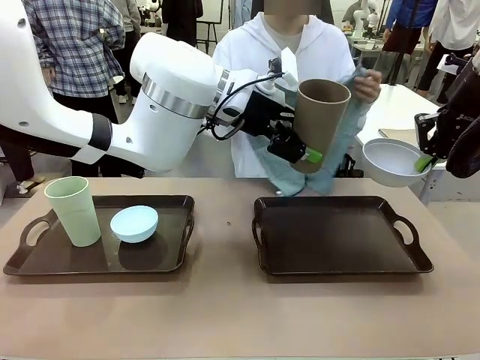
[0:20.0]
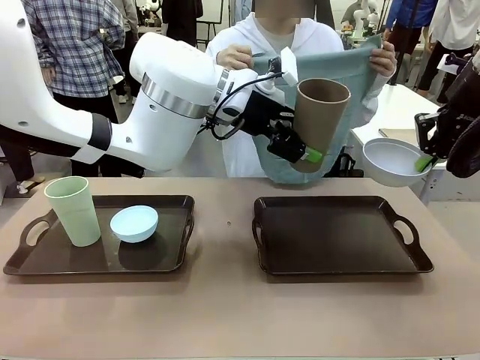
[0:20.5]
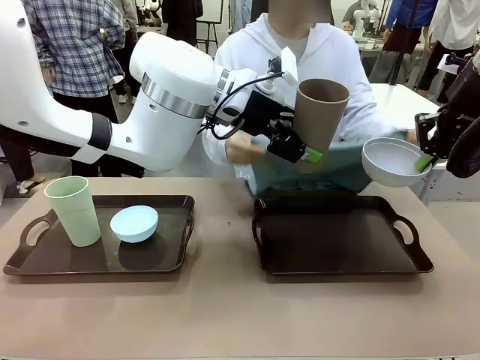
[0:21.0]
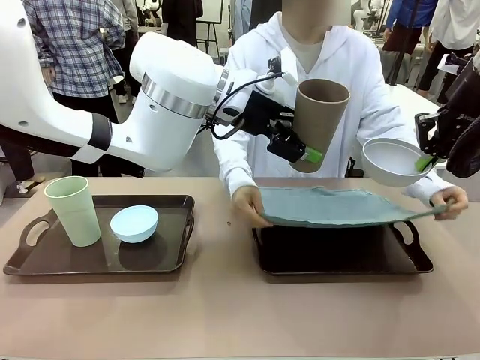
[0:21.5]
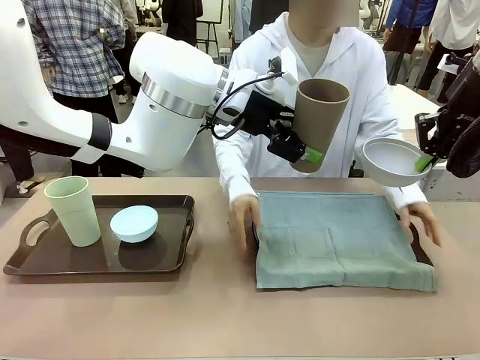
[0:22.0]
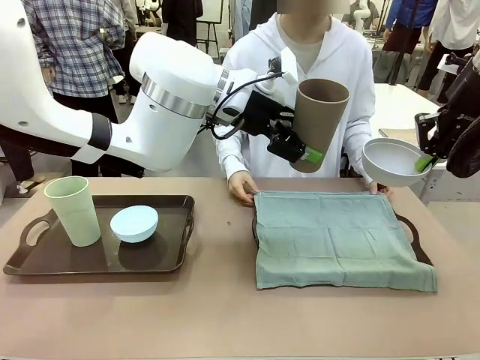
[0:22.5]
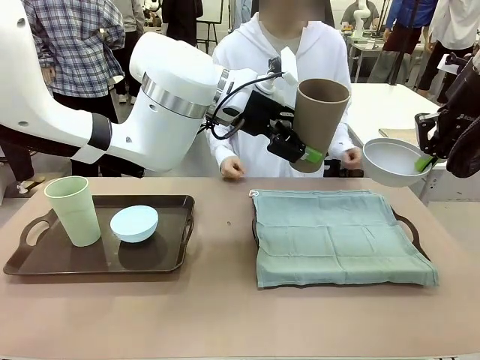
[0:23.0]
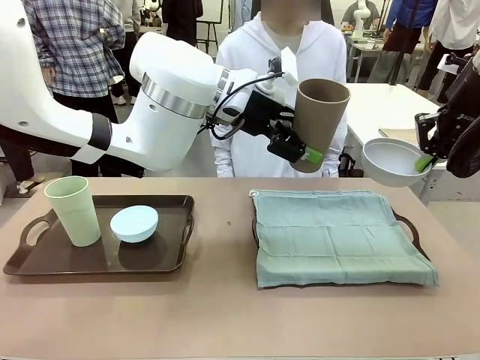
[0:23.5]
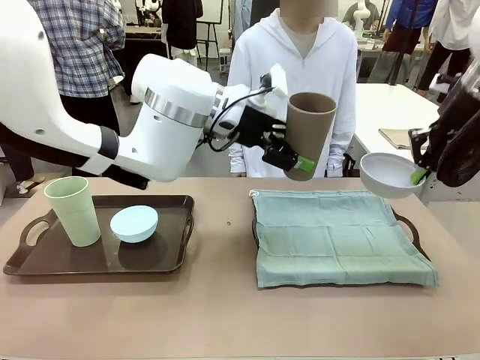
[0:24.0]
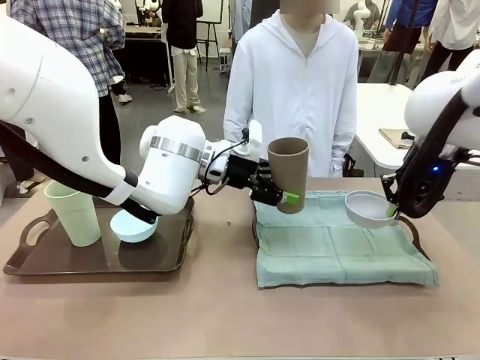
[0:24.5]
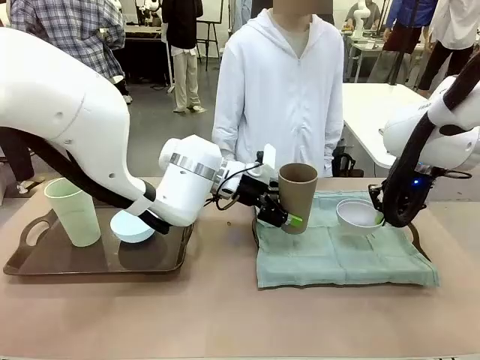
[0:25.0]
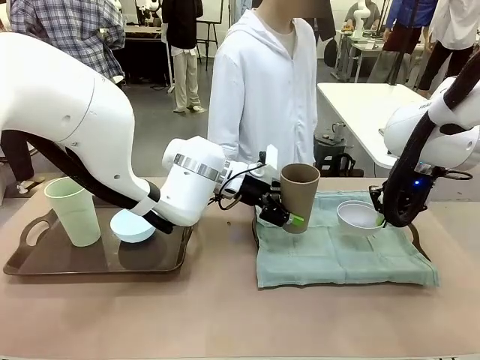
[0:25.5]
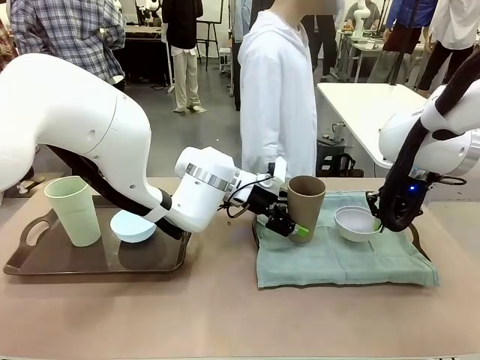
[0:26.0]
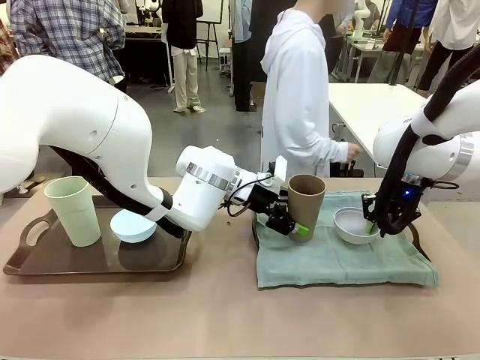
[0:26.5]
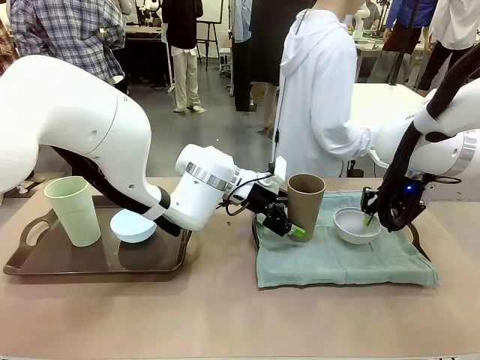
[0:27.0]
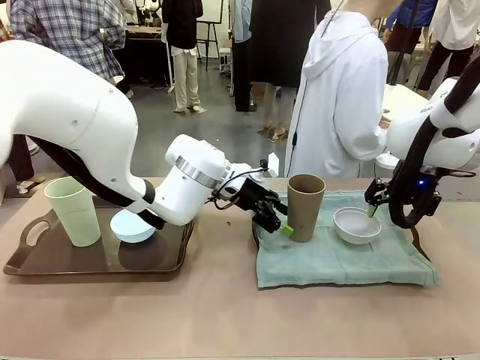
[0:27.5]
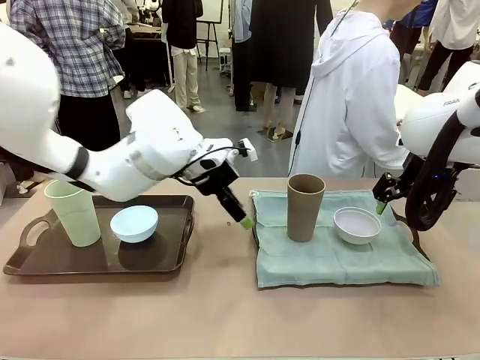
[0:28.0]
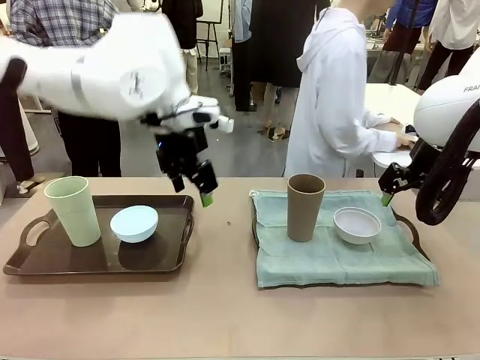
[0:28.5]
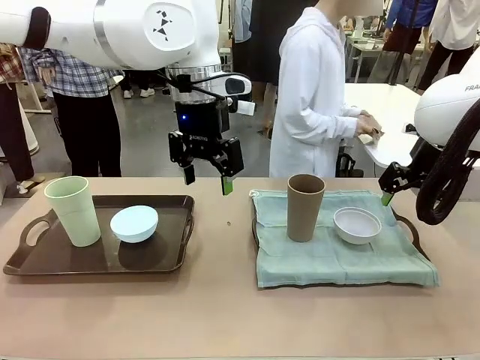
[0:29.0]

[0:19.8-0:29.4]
Robot: Place the Picnic Bowl and Reusable plastic cup back onto the Handle tray in front of the human's position.
Person: The human returns to the human table to pick up another napkin and walks to the robot table to stand in front of the tray without a napkin.

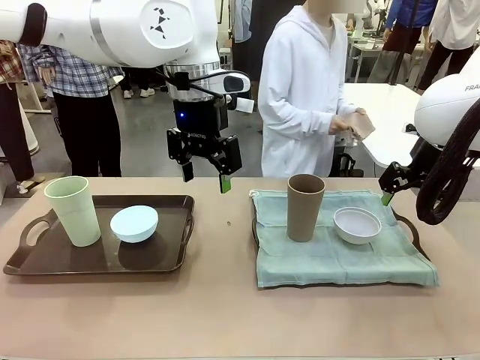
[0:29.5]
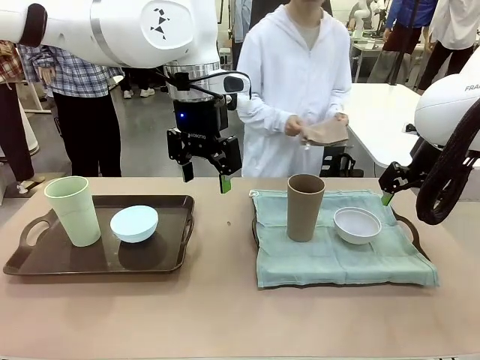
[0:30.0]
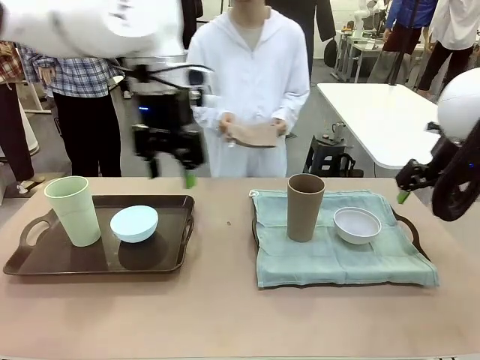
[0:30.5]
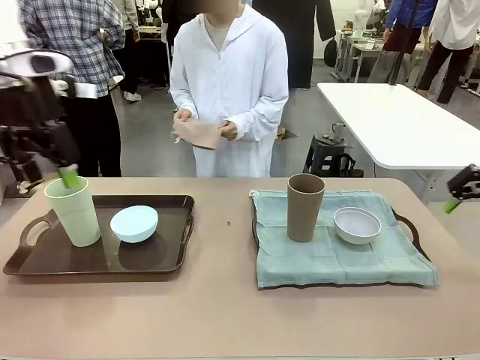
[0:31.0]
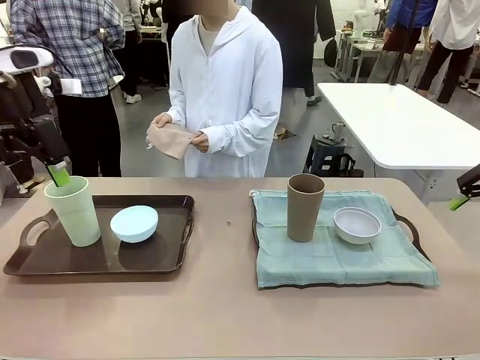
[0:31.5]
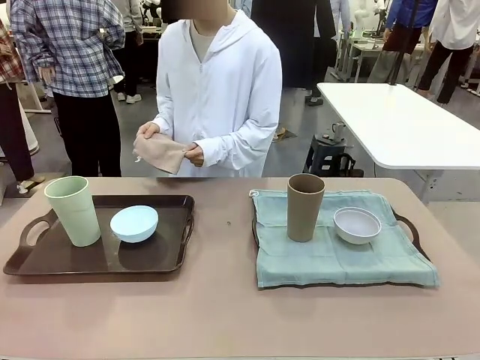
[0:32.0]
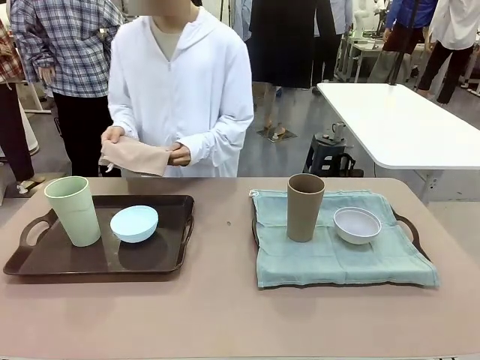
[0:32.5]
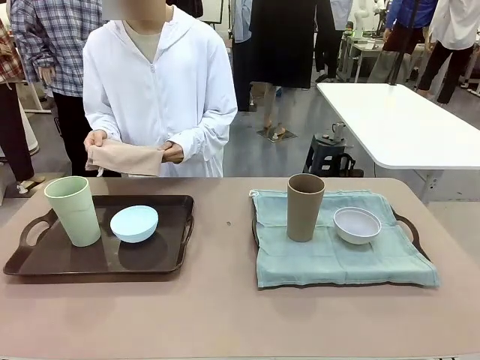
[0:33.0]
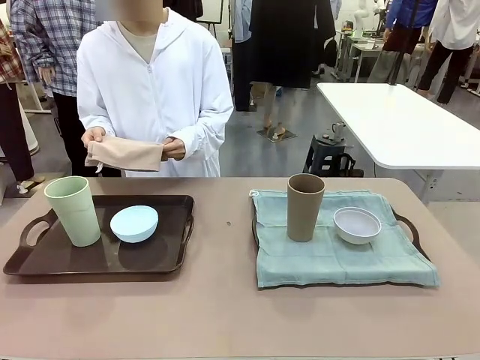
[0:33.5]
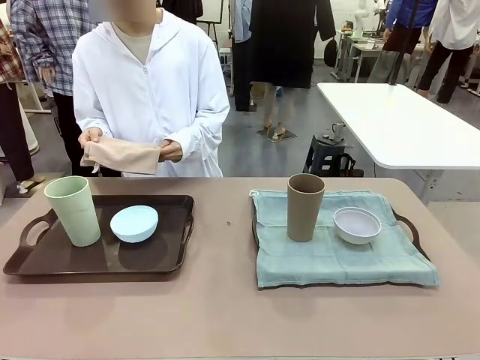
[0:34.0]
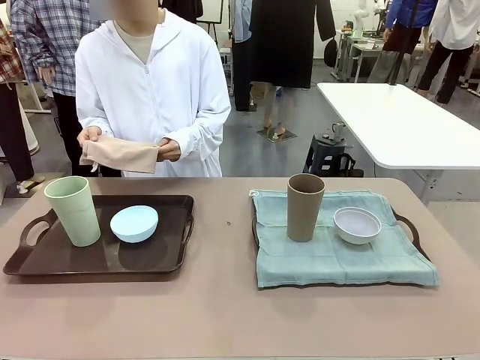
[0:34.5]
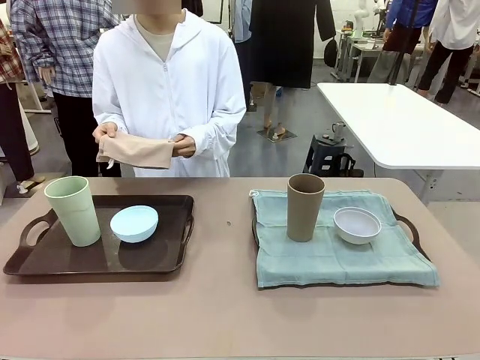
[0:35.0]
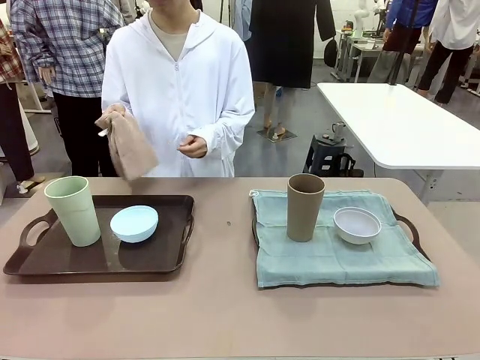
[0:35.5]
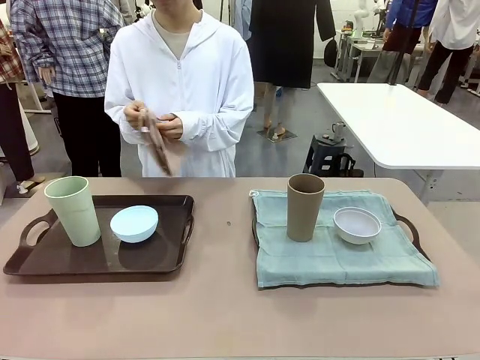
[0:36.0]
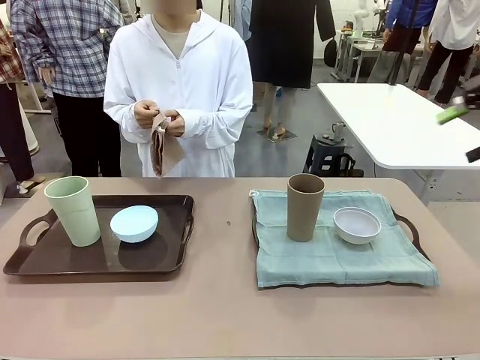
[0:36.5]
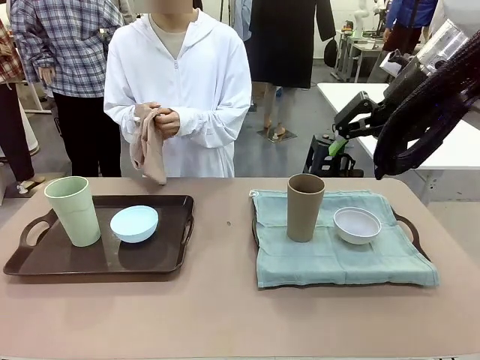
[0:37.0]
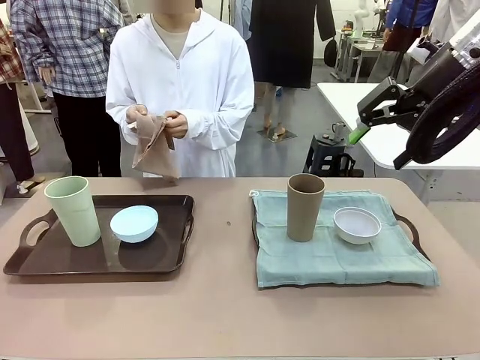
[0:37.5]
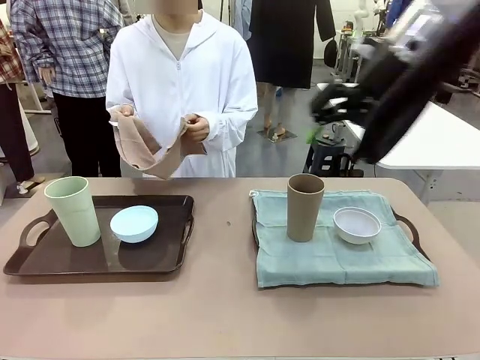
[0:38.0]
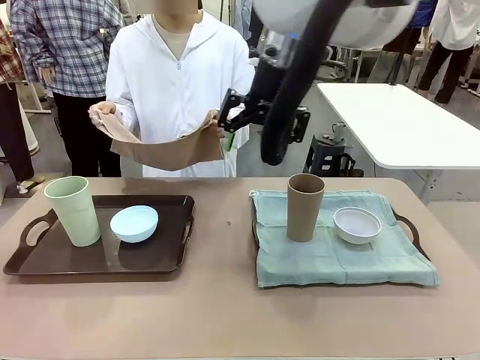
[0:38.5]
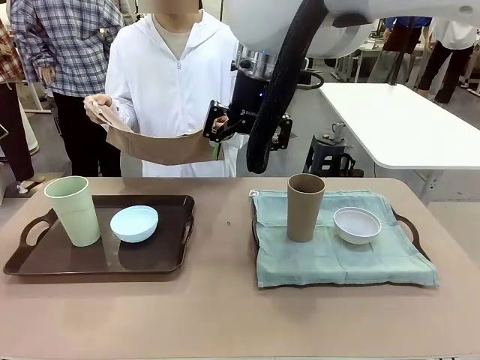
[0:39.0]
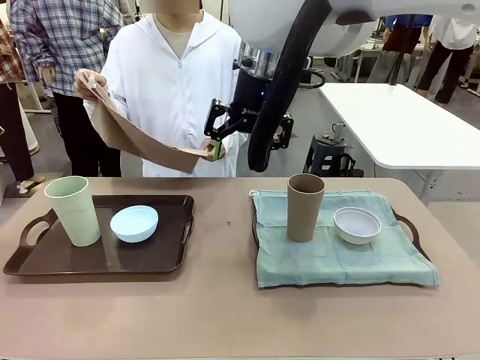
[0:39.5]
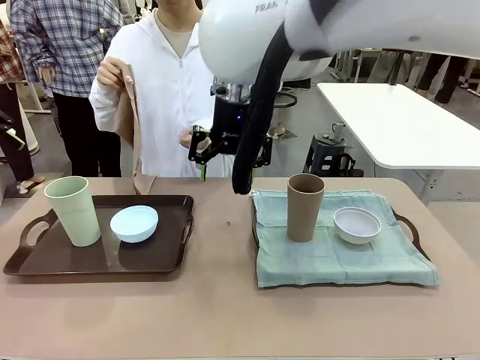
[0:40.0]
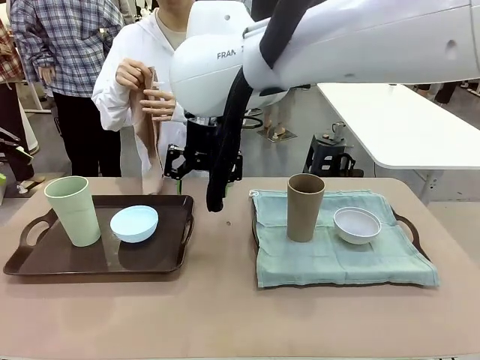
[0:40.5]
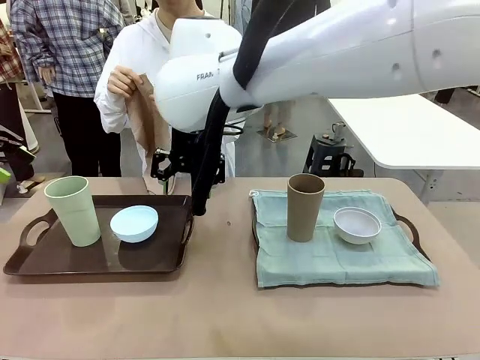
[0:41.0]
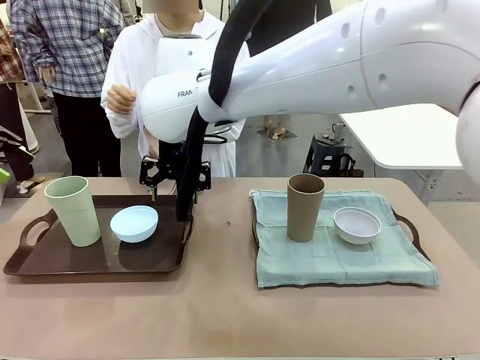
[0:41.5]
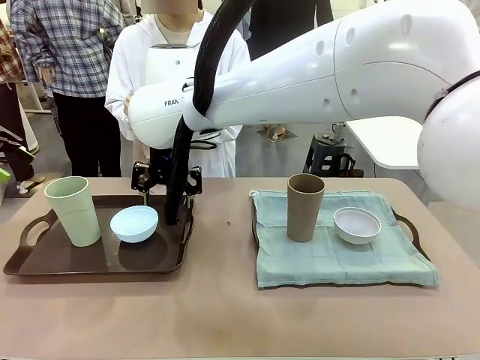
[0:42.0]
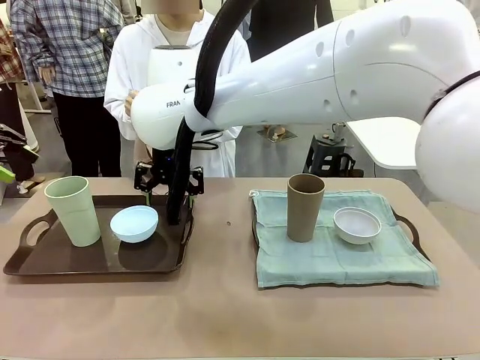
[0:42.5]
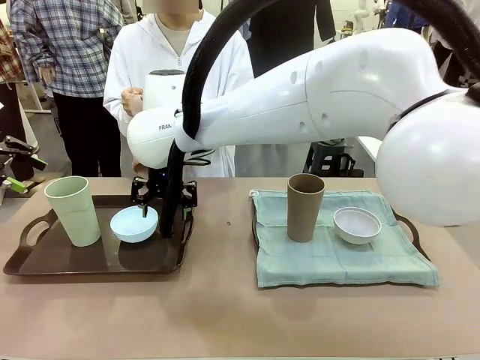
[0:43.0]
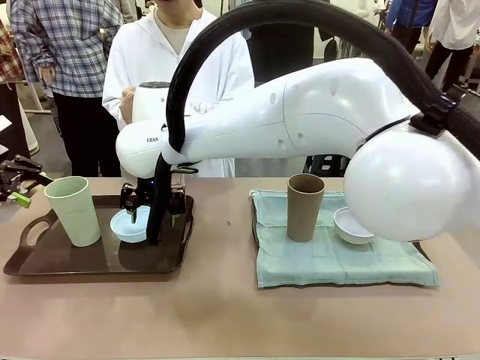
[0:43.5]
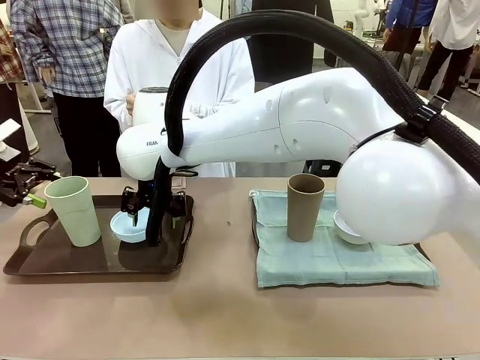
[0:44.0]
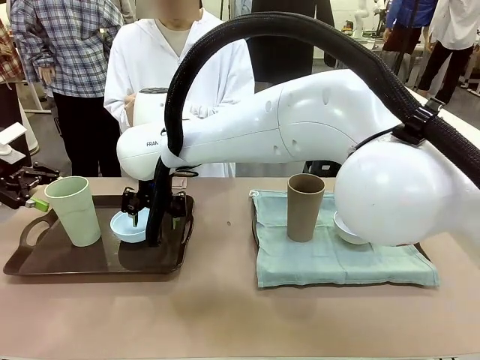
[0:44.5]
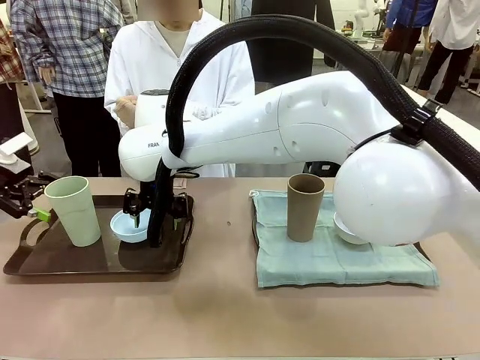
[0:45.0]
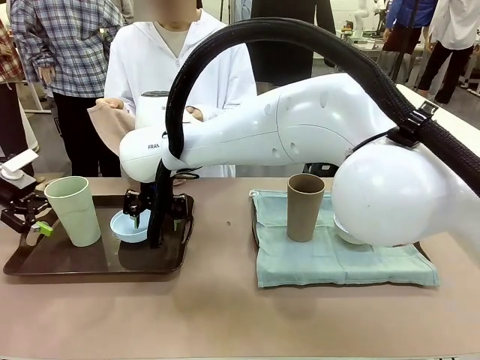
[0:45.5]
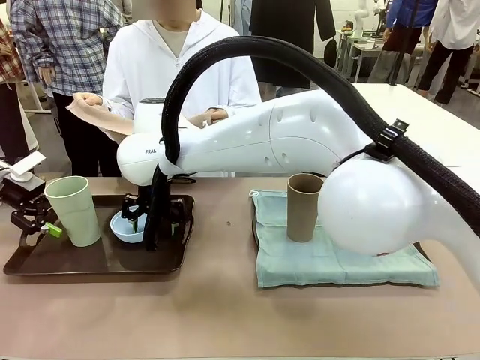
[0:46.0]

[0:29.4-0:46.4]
Robot: Pick up the Picnic Bowl and Reusable plastic cup from the Handle tray in front of the human's position and hold them in the air.
